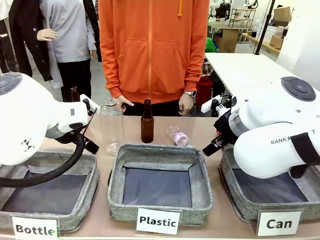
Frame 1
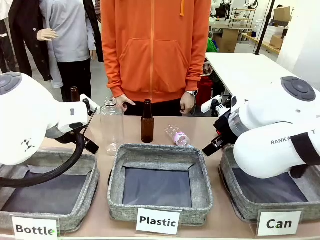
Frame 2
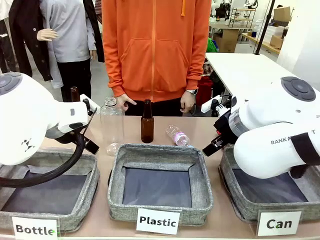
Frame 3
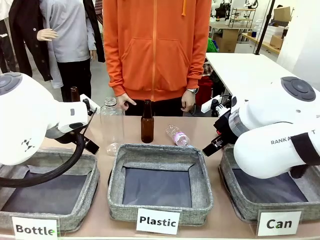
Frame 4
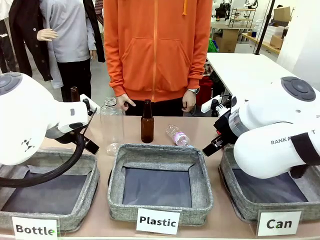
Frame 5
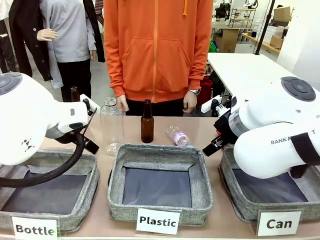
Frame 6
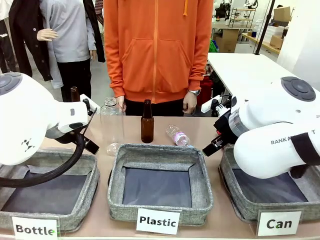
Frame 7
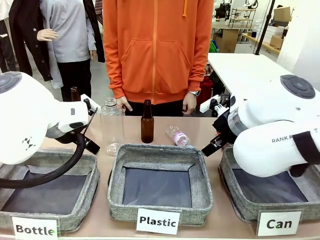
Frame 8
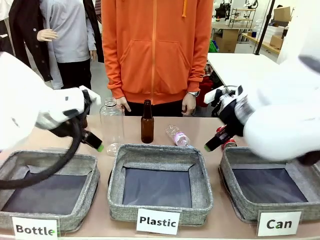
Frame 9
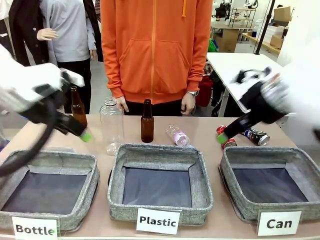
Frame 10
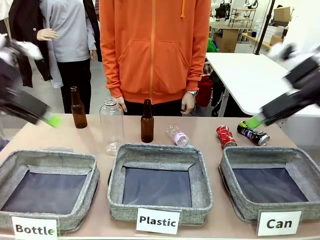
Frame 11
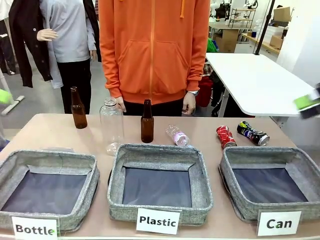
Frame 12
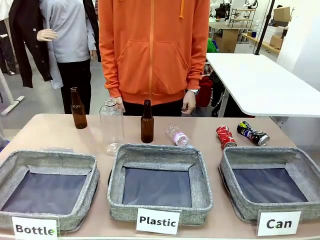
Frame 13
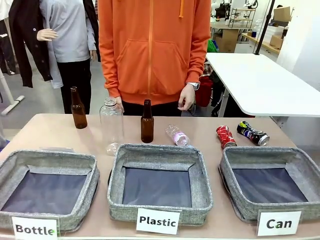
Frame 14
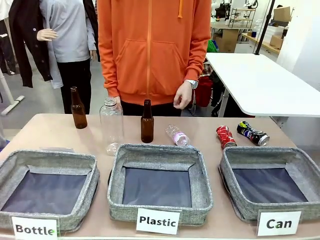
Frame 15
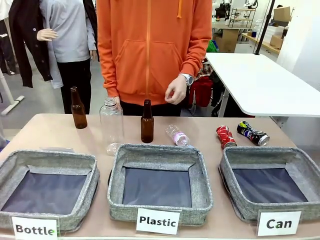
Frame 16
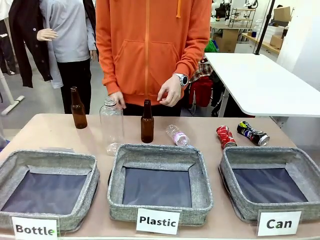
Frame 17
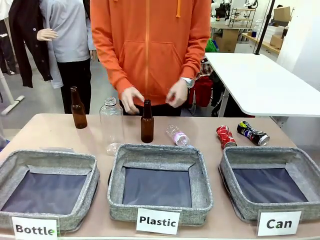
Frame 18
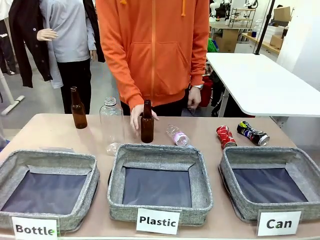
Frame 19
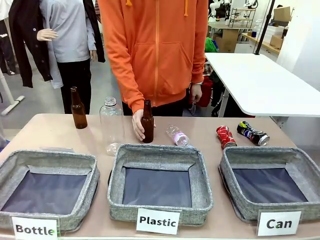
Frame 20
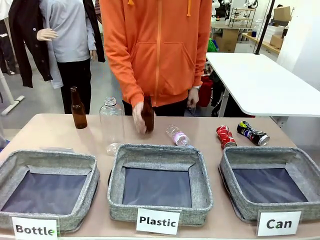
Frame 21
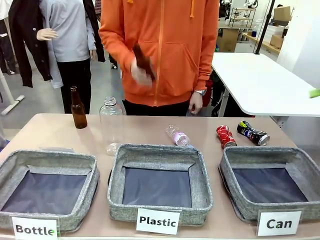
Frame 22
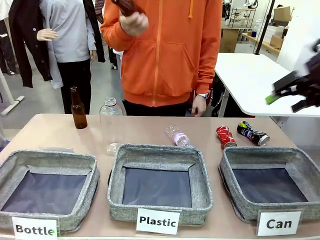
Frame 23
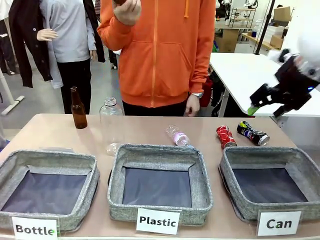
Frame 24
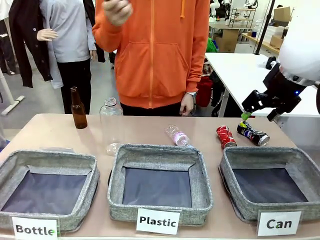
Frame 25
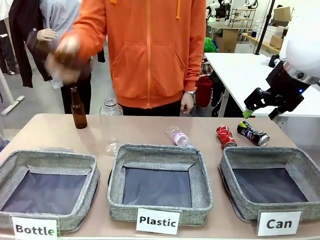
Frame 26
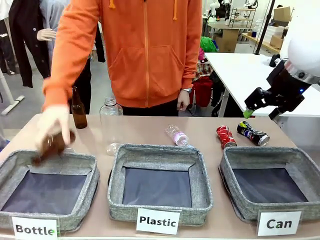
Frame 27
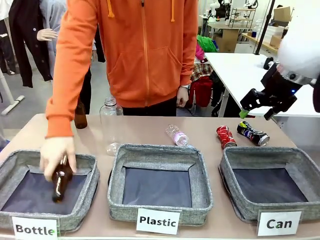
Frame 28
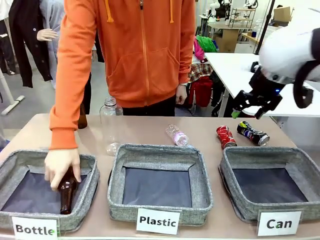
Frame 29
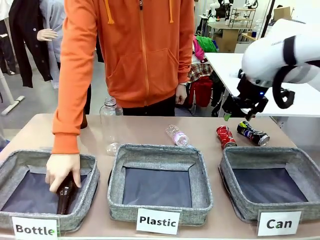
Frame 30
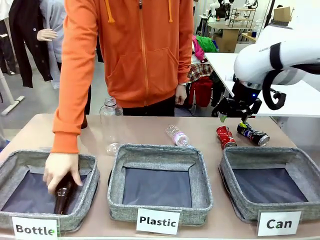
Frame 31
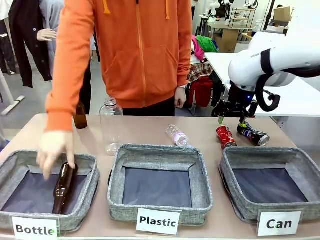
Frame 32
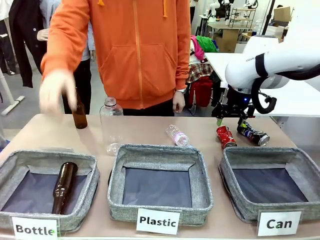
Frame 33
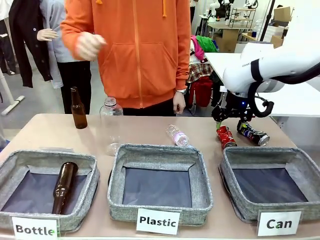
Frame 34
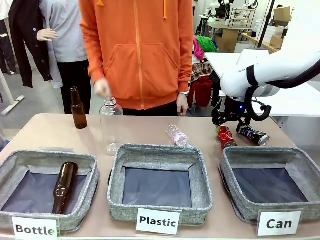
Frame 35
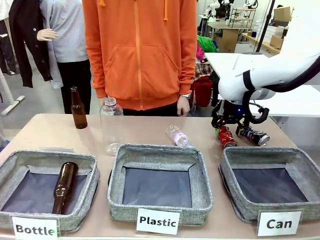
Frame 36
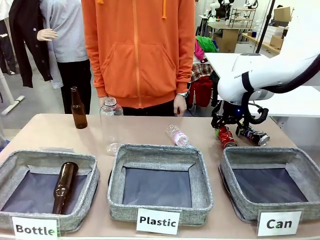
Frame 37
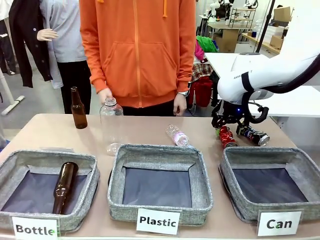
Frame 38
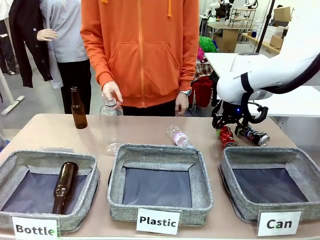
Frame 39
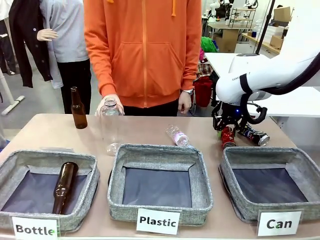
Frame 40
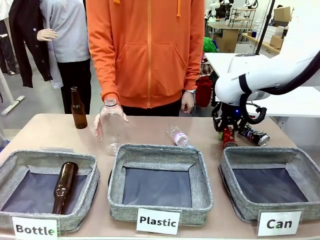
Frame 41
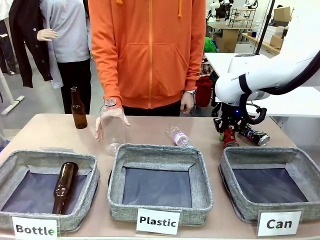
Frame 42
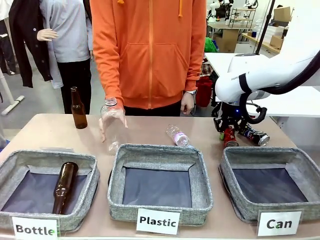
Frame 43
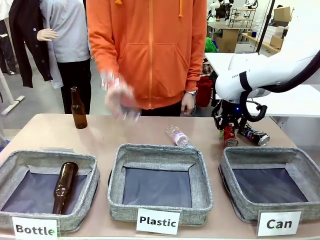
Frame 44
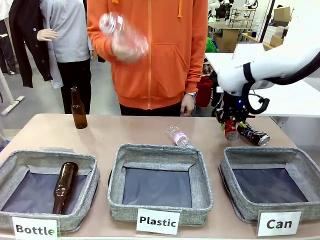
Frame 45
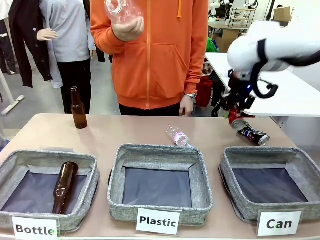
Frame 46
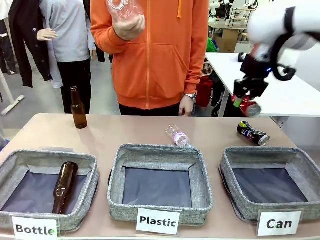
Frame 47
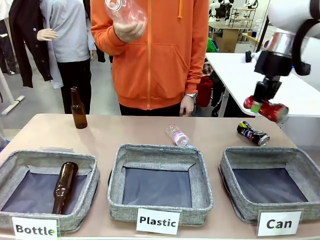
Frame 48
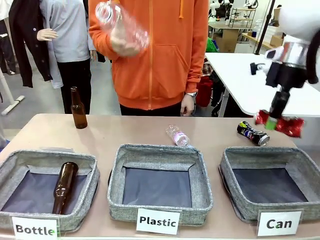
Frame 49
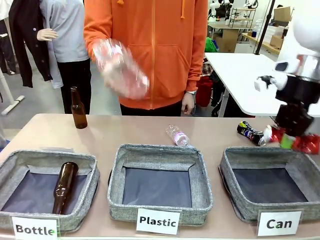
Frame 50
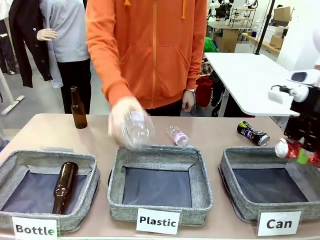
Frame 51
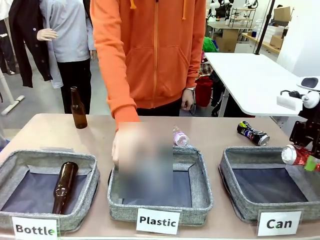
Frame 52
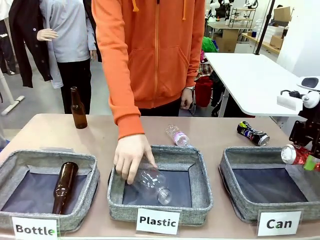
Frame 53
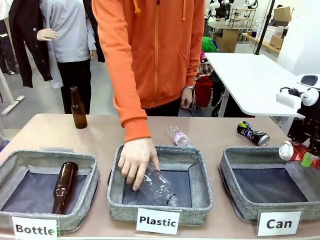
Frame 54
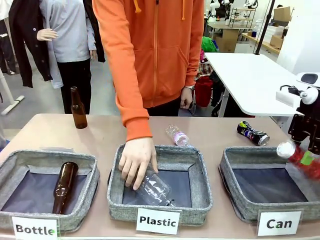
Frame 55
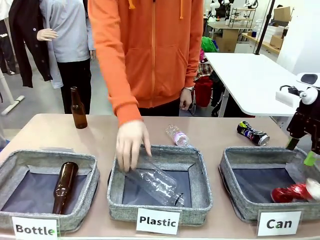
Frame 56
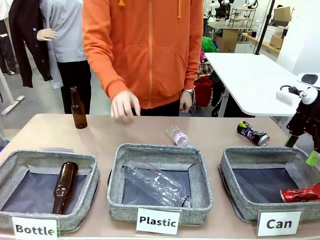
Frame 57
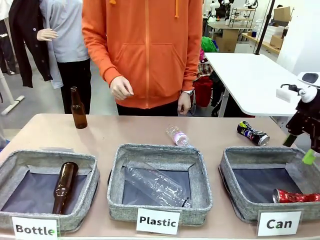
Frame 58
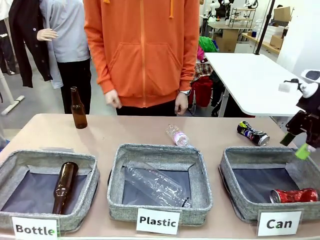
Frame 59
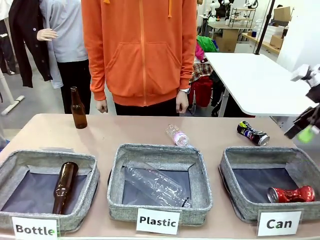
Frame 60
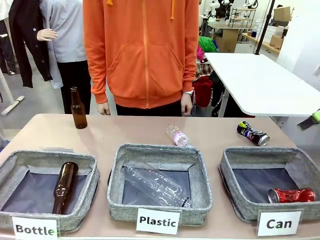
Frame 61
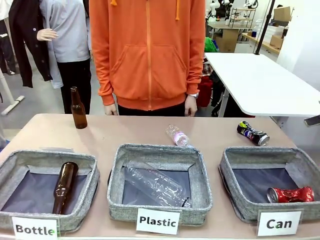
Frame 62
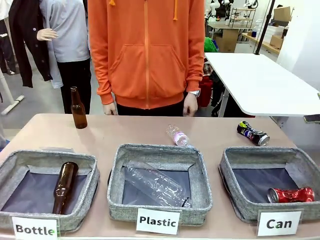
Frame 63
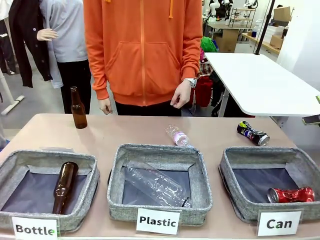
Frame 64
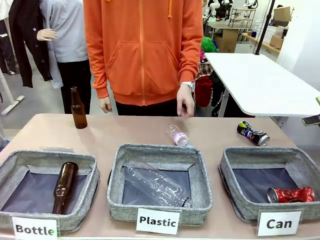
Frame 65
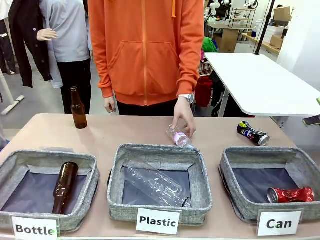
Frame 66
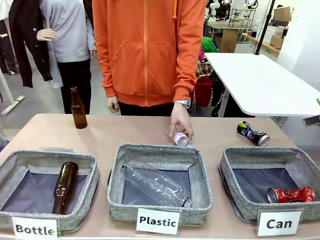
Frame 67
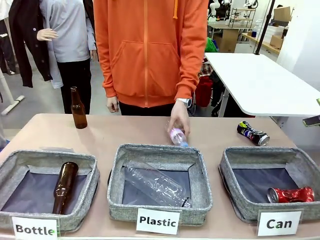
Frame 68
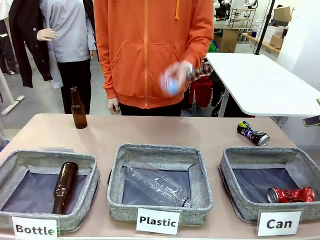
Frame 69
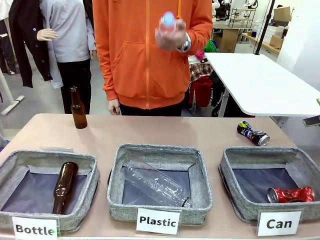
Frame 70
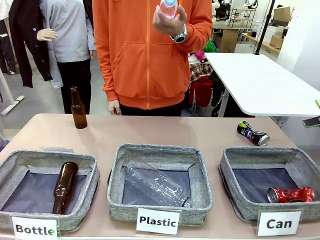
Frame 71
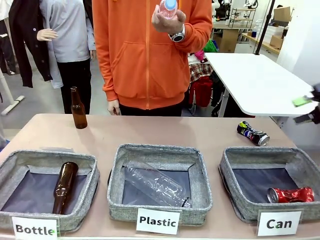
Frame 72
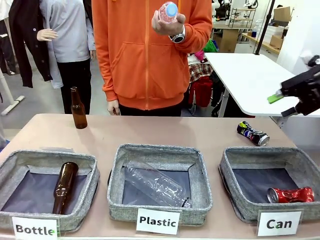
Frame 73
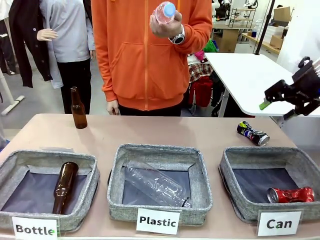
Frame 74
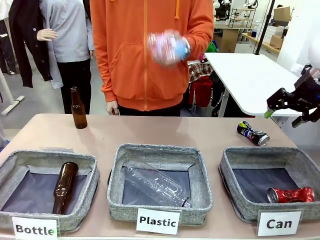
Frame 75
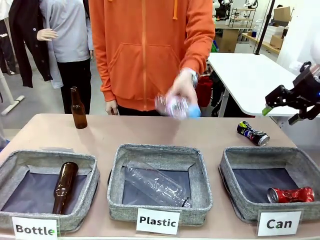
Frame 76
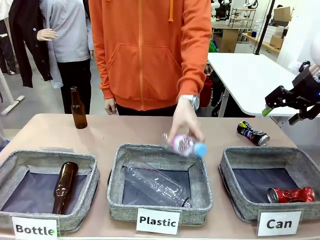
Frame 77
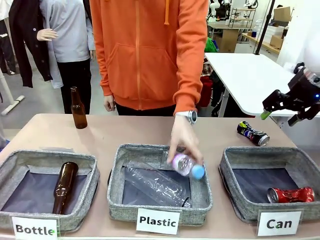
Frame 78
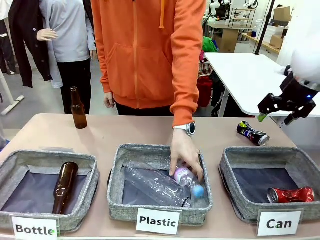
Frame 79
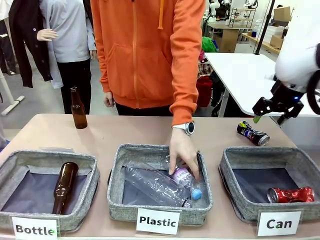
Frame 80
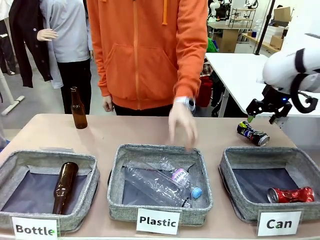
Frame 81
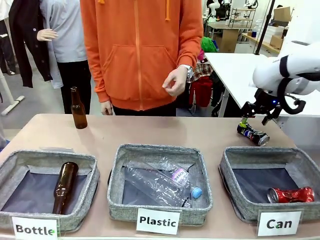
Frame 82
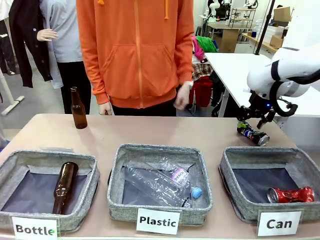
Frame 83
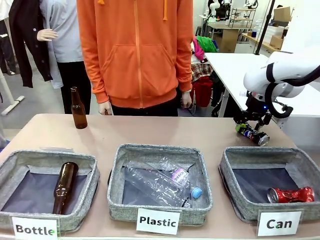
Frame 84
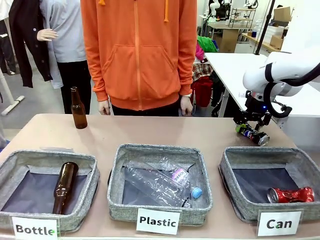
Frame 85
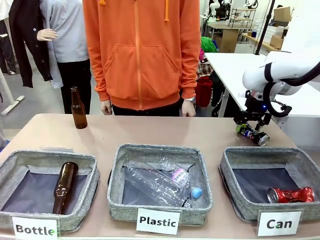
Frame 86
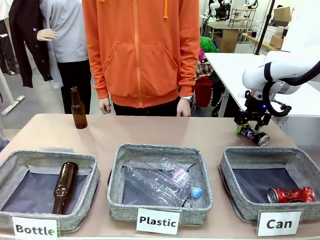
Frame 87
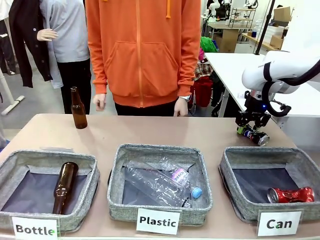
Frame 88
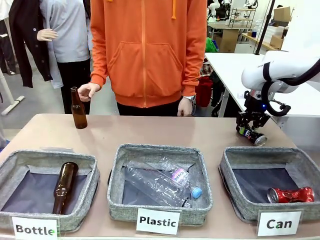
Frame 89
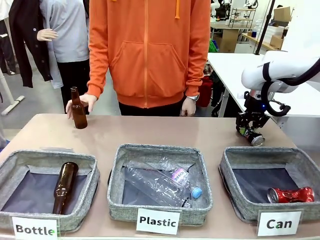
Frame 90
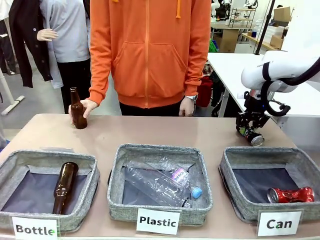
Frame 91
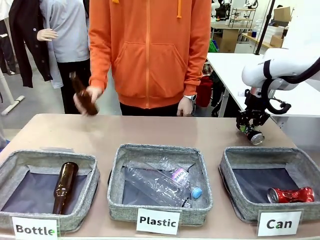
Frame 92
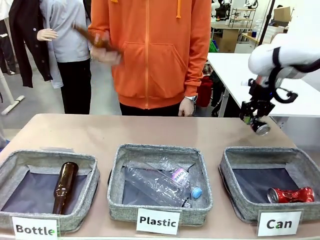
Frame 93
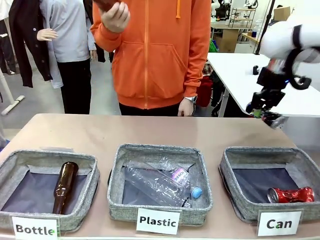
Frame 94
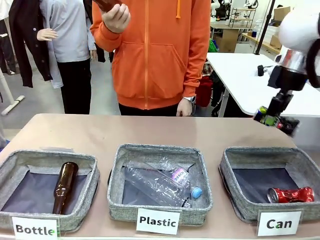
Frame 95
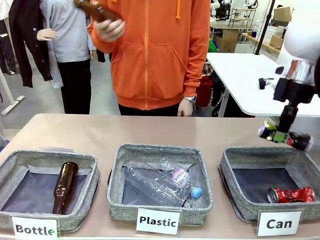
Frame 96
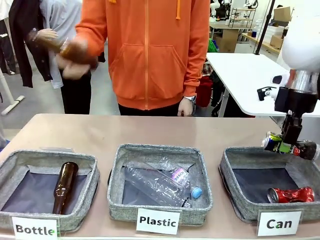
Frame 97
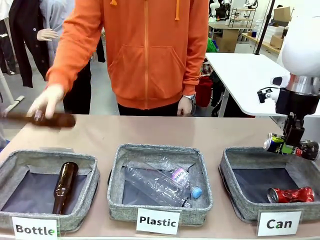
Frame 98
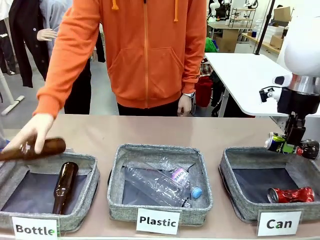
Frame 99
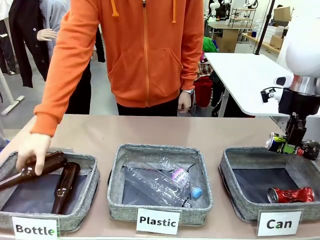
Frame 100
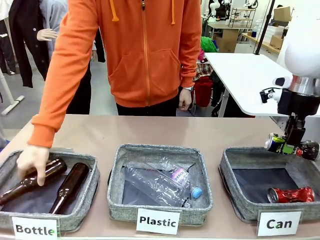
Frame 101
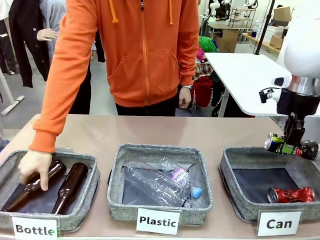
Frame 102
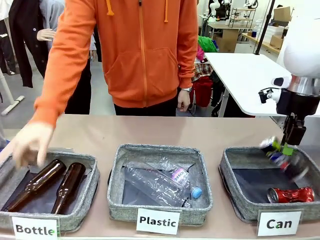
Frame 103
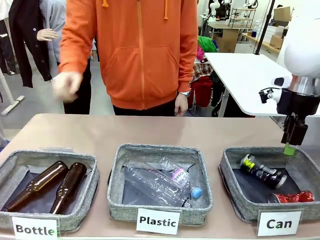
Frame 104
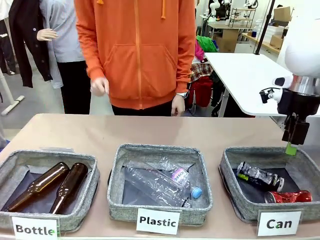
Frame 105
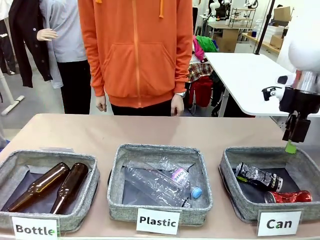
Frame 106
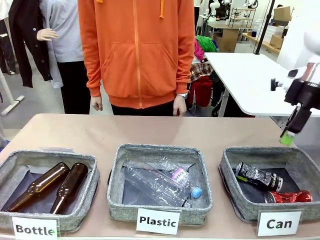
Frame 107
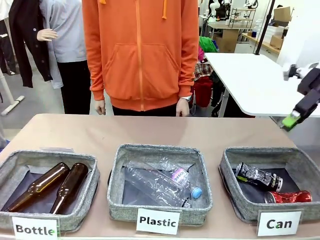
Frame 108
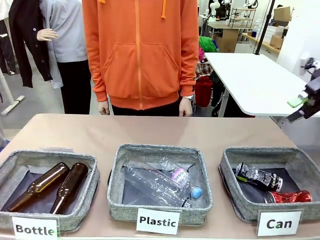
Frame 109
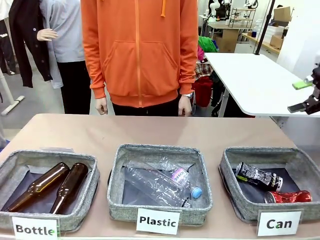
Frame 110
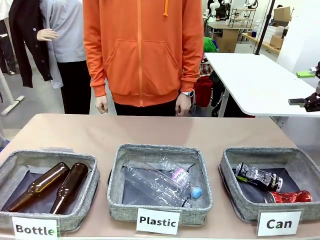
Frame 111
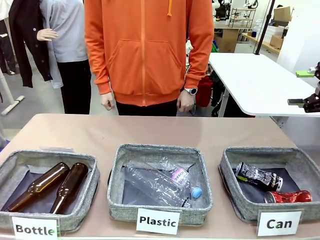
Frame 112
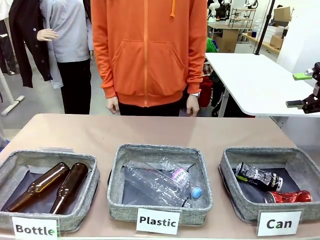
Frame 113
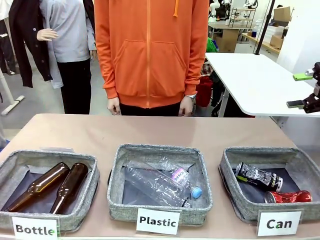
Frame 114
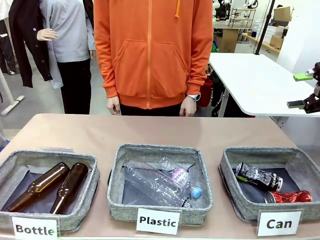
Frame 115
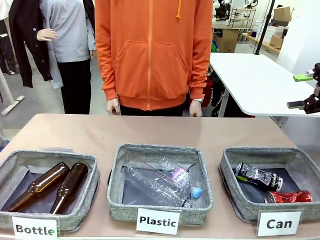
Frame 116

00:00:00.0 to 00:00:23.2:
Task: Sort the can waste into the basket.
Robot: Pick up the can waste from the table and place it in the right Fabric basket.
Person: The human picks up one piece of trash that is not a can and places the trash into the appropriate organizing basket.
